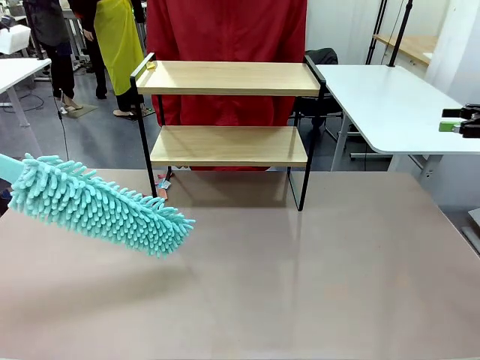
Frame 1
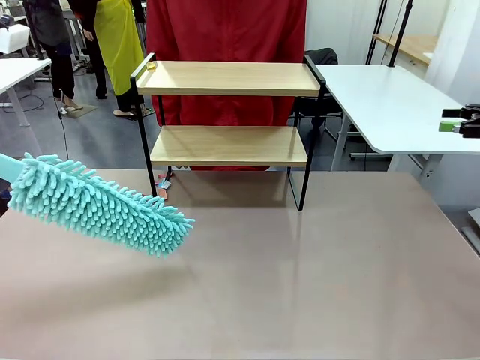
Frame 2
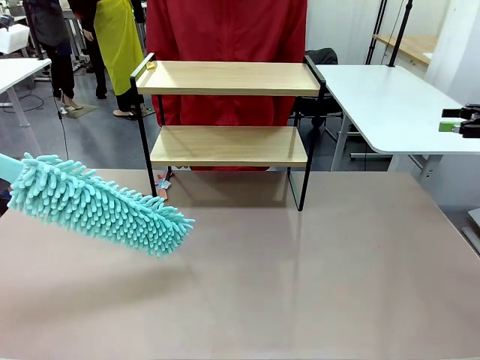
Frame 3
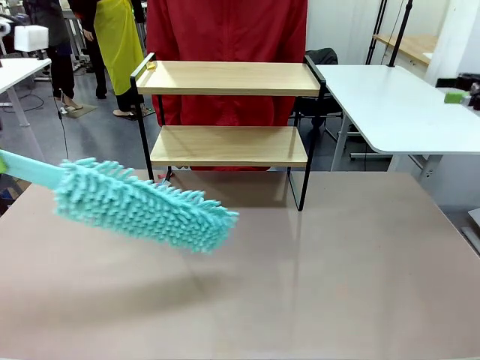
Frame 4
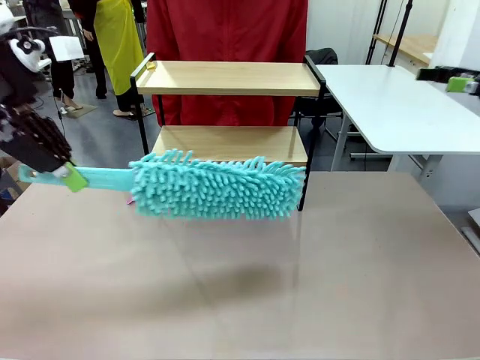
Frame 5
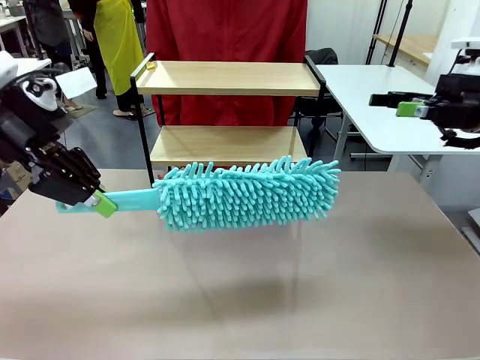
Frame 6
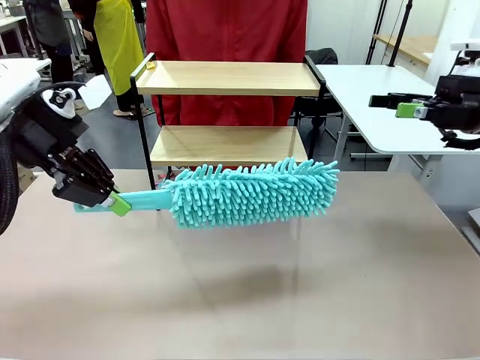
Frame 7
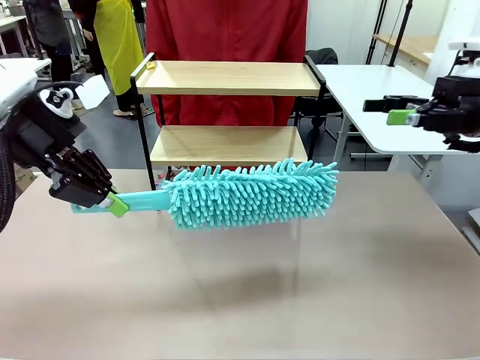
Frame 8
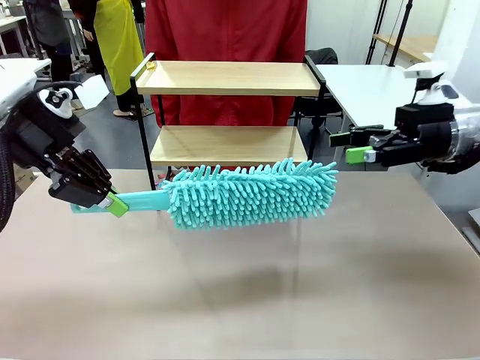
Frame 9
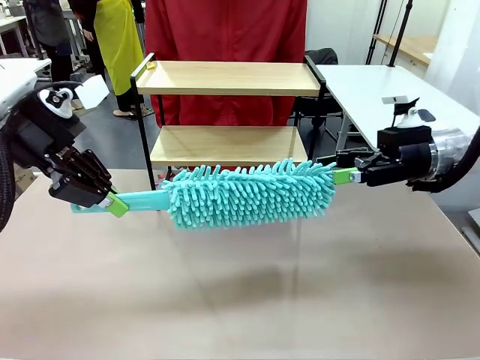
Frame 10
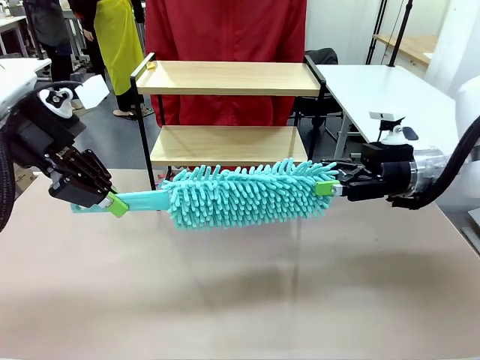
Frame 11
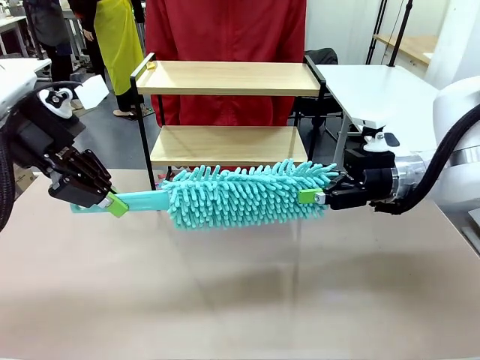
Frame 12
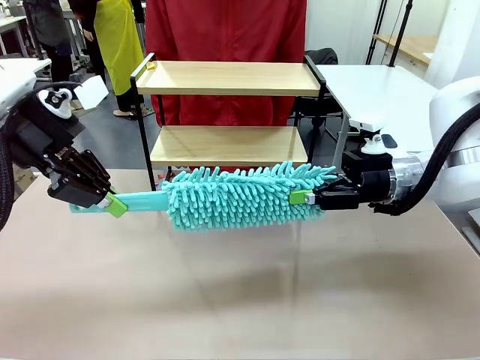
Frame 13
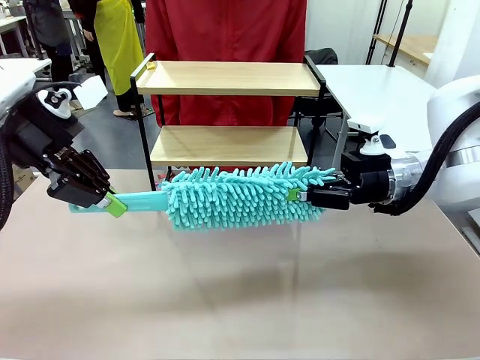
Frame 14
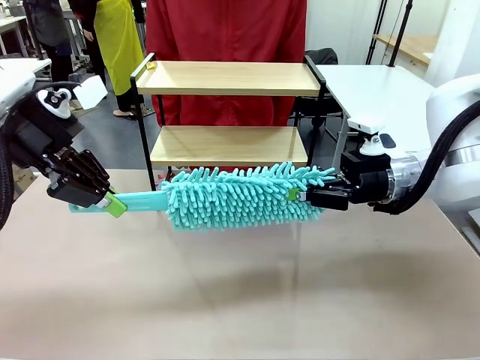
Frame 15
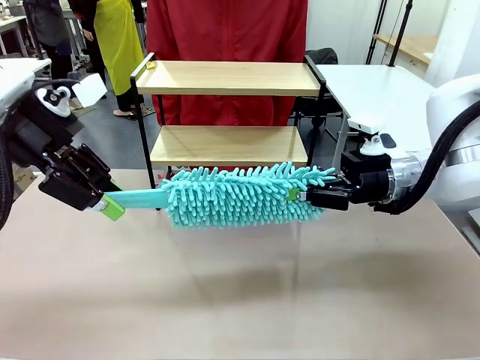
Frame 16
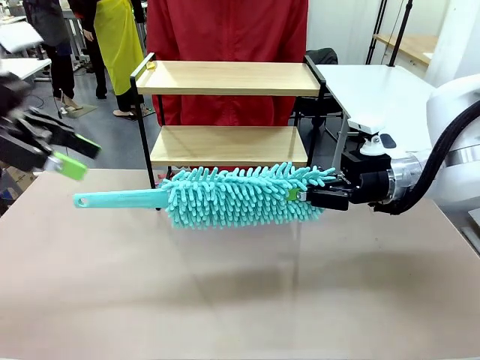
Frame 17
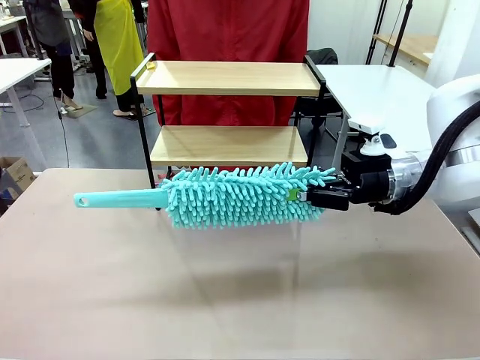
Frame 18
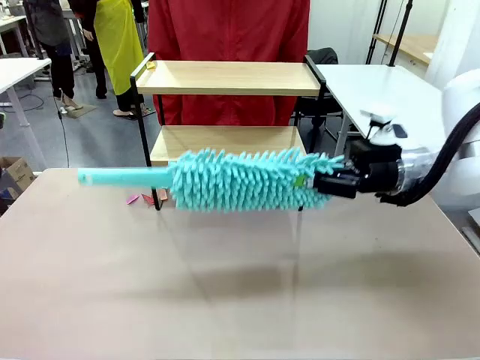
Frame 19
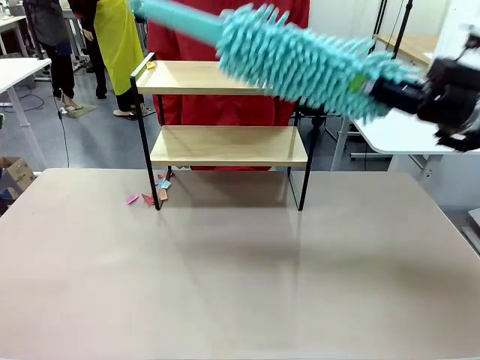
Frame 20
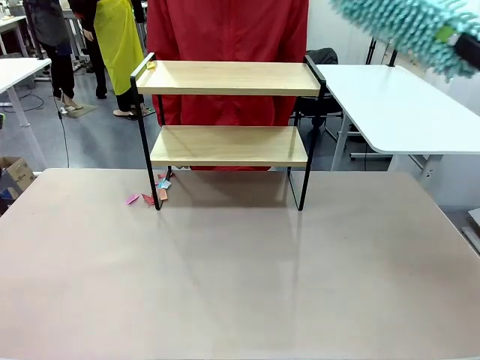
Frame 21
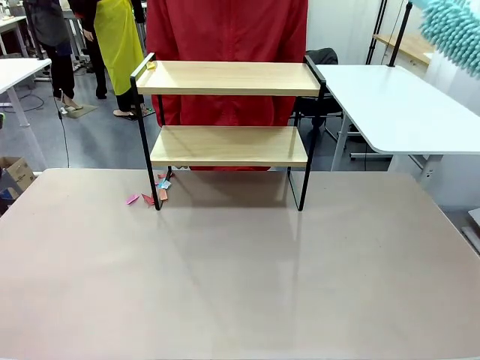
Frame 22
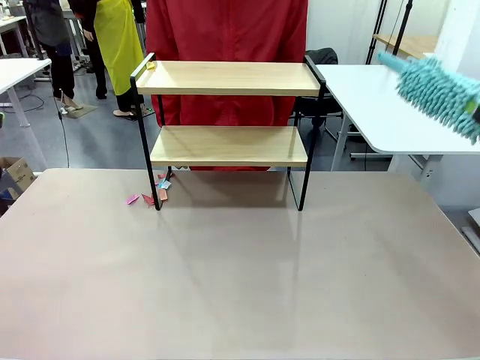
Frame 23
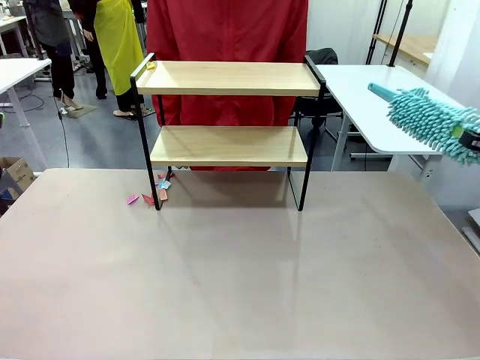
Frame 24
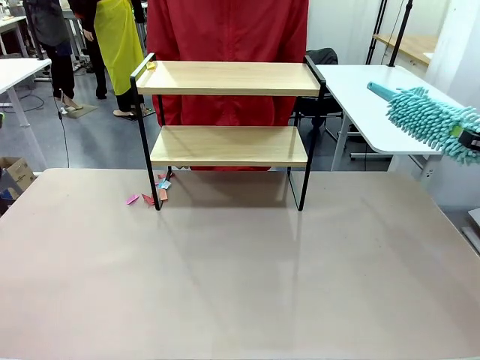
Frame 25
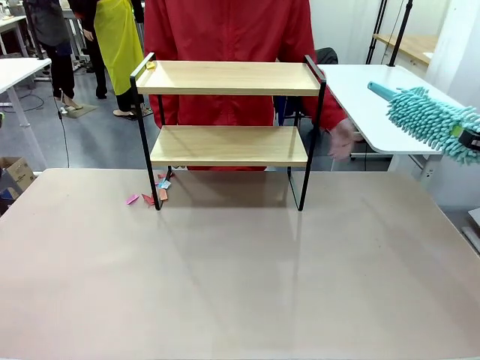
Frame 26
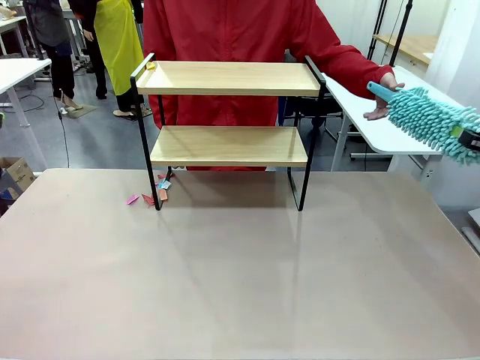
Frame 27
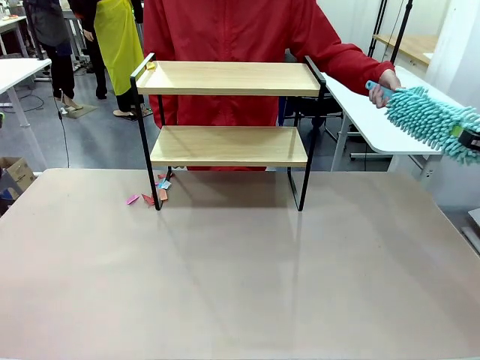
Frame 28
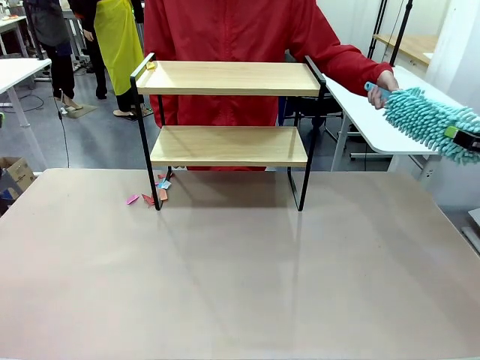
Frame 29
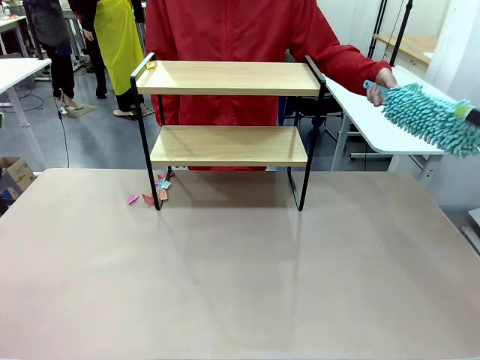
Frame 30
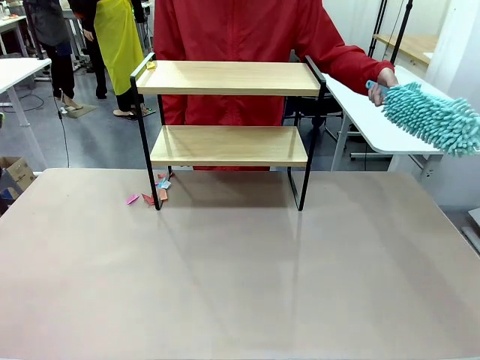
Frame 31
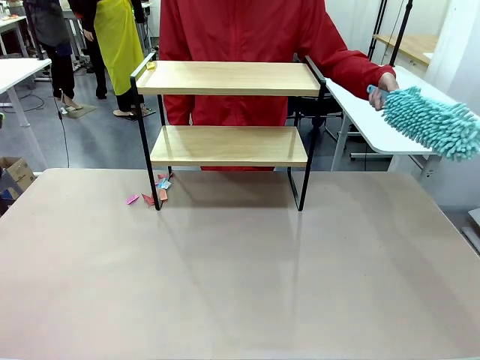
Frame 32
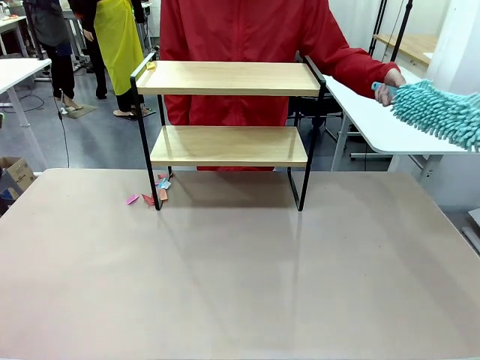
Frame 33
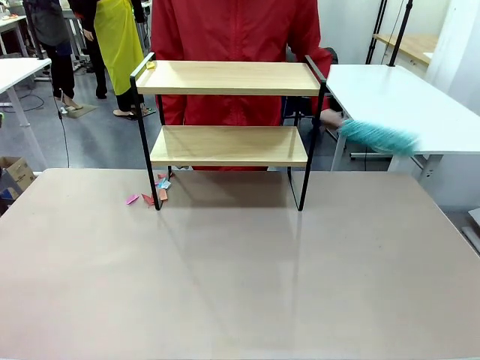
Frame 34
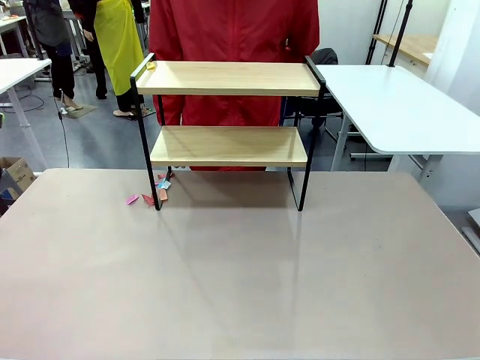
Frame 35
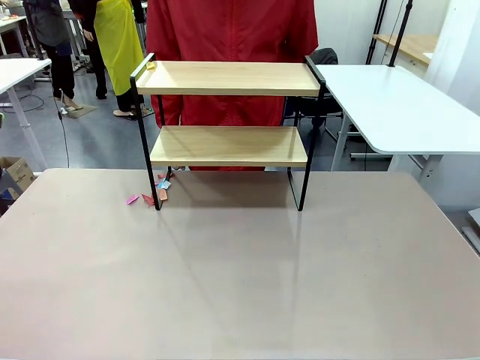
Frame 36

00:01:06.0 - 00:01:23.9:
Task: Clean the shelf.
Robot: Hand the Duster back to the human.
Person: Receive the Duster from the robot.

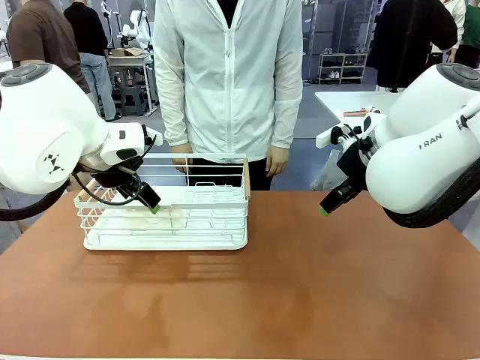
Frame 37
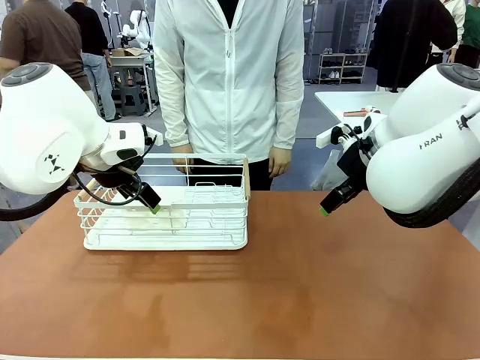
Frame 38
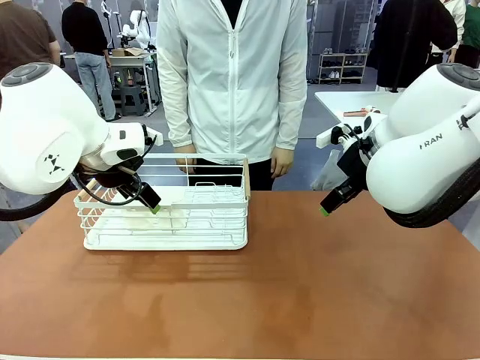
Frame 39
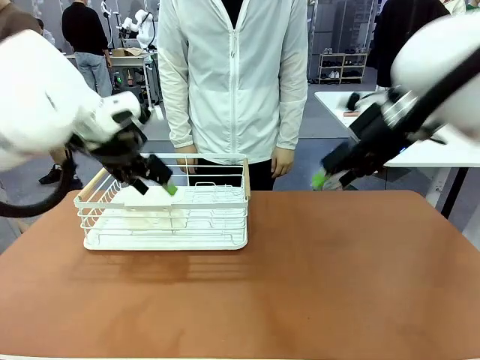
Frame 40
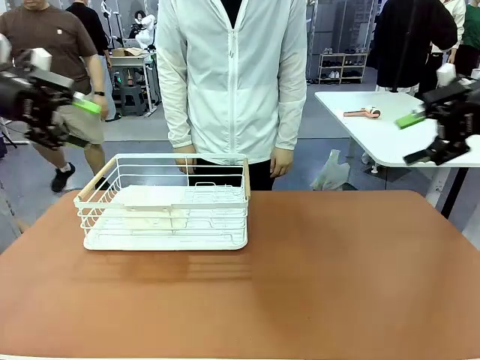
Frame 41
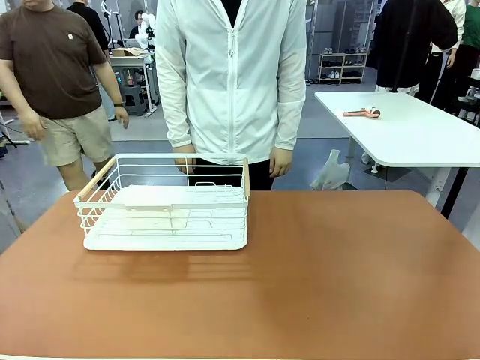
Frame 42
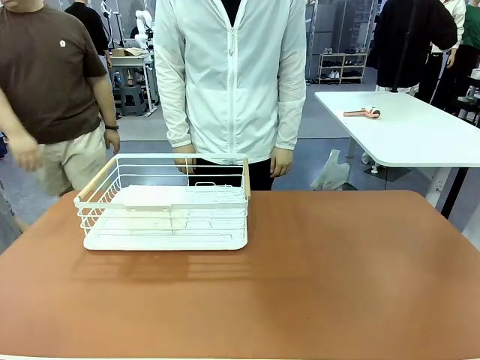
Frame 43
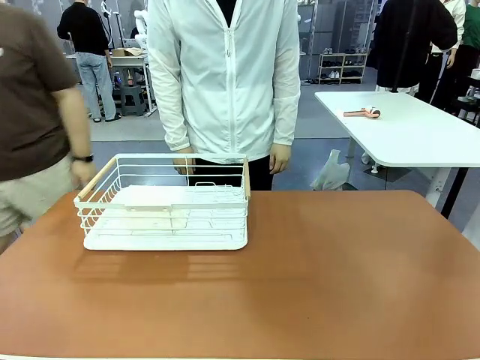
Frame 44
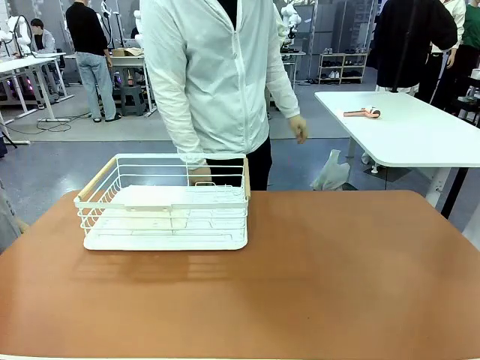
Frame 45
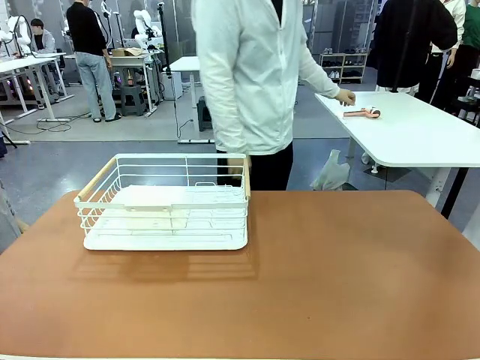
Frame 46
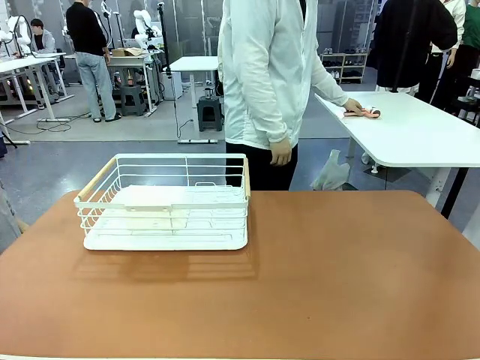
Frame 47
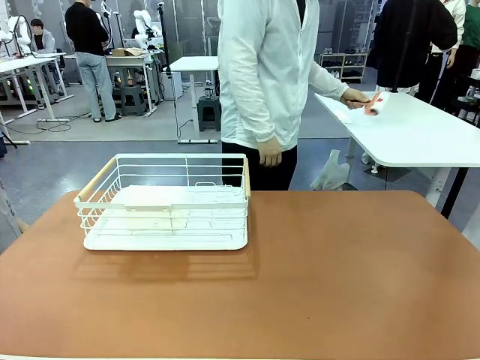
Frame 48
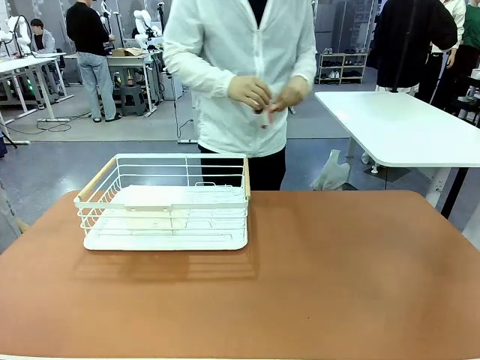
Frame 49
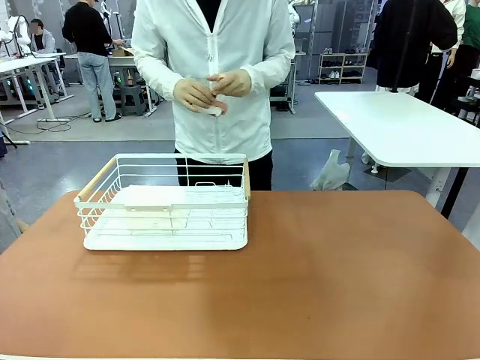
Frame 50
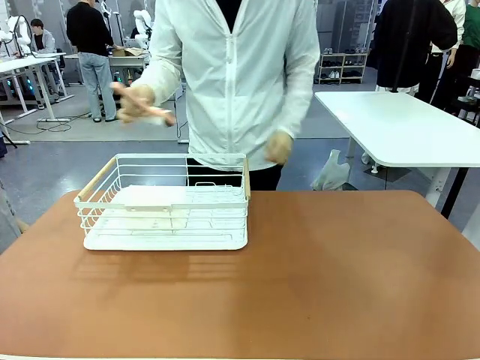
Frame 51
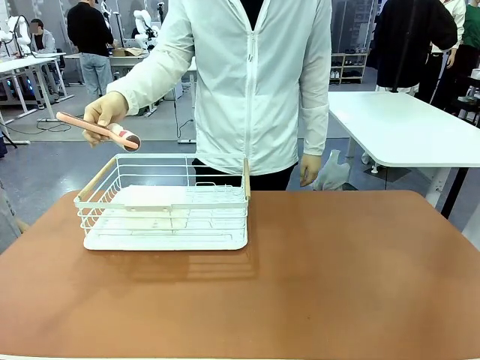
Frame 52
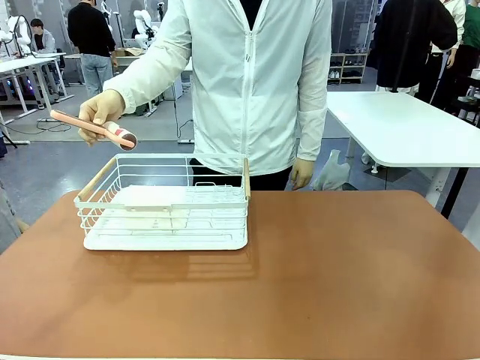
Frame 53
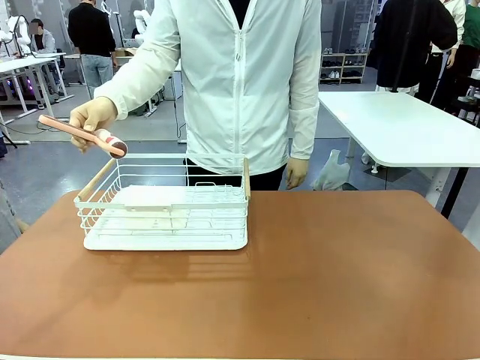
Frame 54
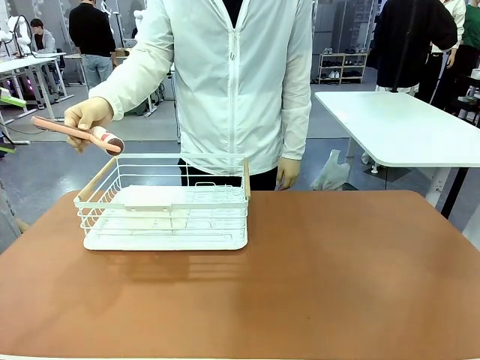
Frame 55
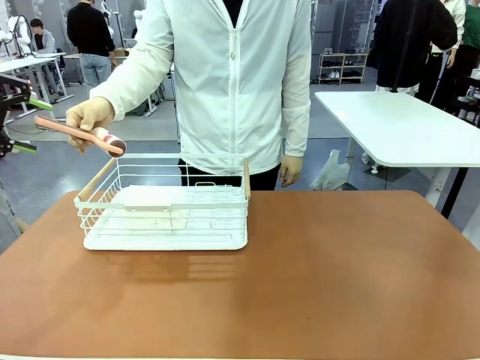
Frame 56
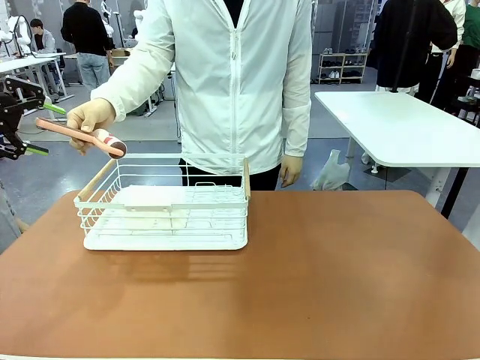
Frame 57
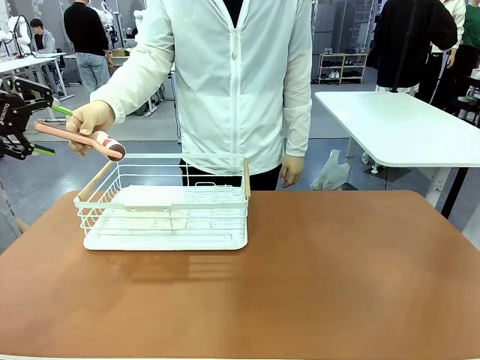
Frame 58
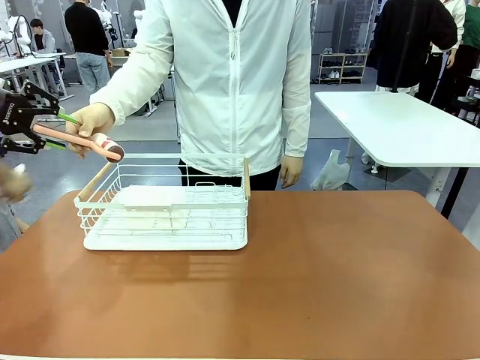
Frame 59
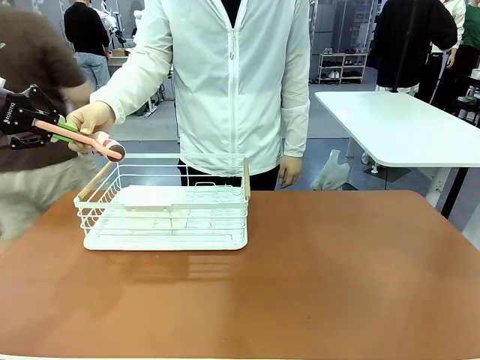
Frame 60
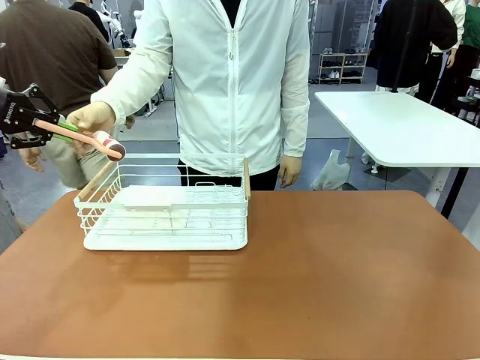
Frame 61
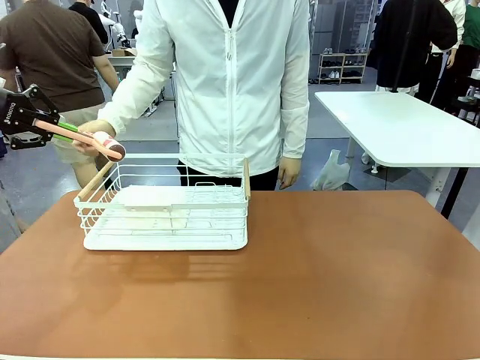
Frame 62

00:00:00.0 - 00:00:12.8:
Task: Clean the table.
Robot: Pick up the Lint Roller when the human hands it over.
Person: Hand the Lint Roller to the robot so it can easily pick it up. Lift the Dish drying rack.
